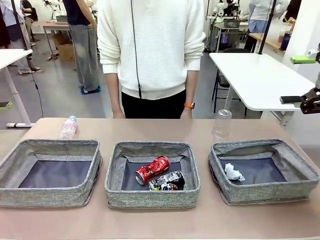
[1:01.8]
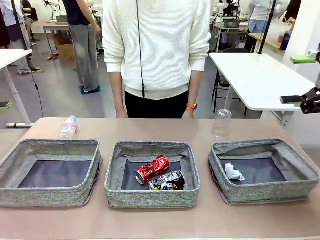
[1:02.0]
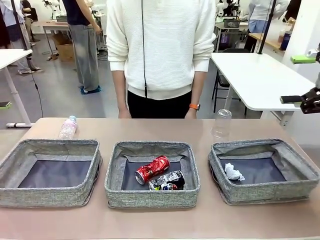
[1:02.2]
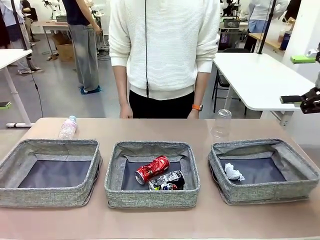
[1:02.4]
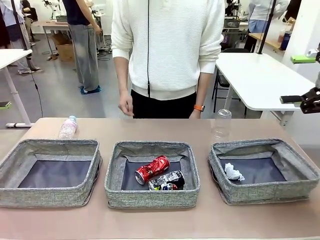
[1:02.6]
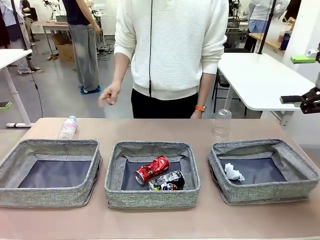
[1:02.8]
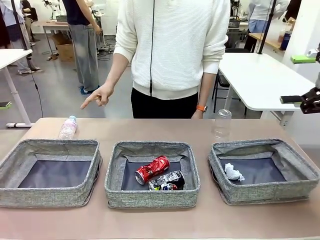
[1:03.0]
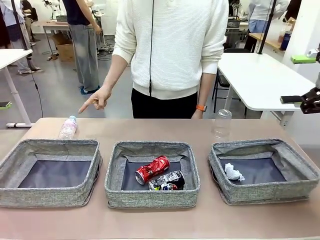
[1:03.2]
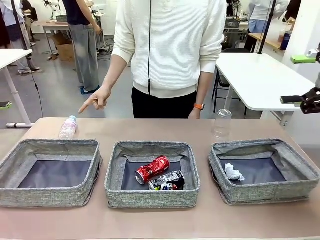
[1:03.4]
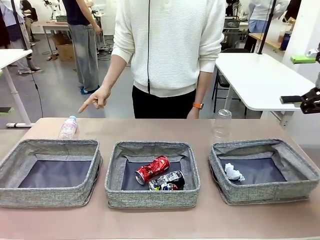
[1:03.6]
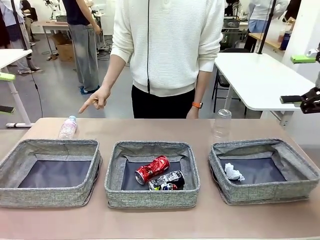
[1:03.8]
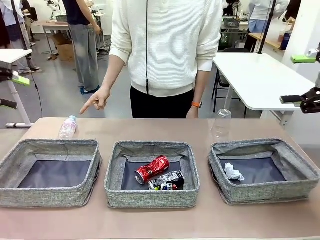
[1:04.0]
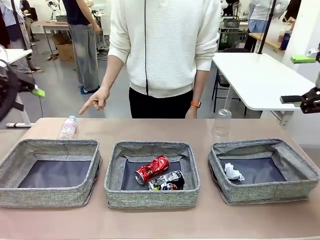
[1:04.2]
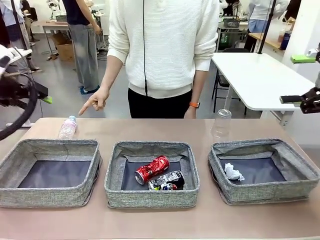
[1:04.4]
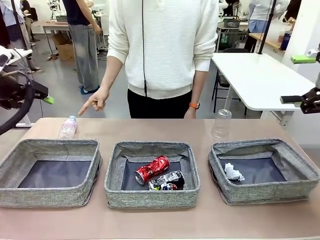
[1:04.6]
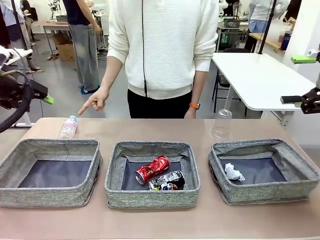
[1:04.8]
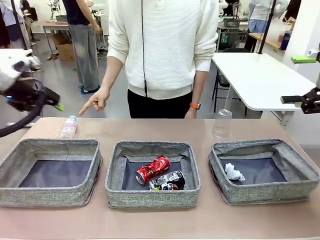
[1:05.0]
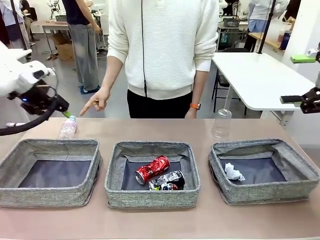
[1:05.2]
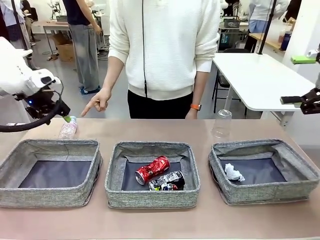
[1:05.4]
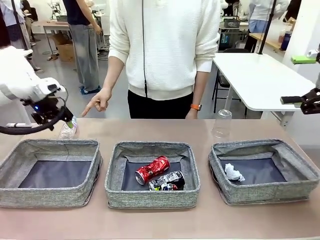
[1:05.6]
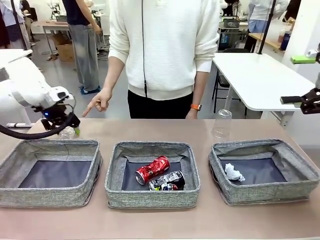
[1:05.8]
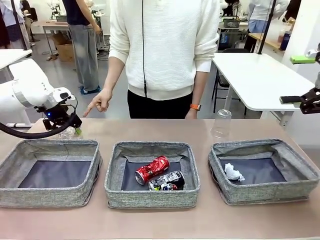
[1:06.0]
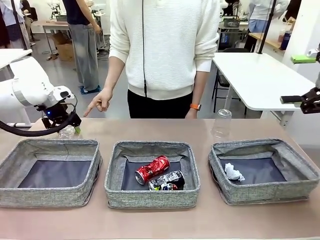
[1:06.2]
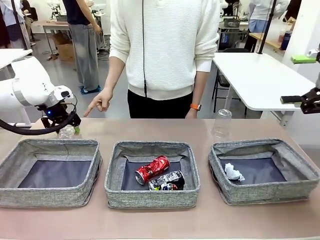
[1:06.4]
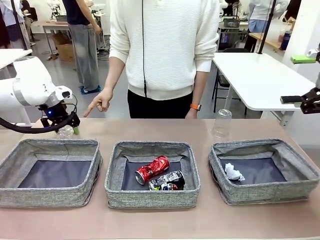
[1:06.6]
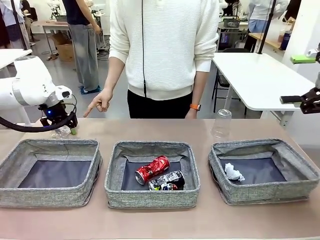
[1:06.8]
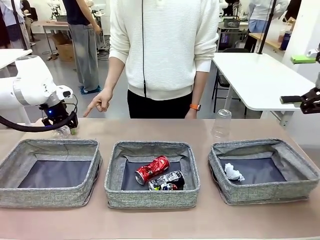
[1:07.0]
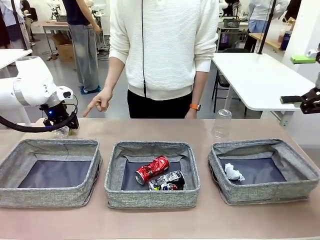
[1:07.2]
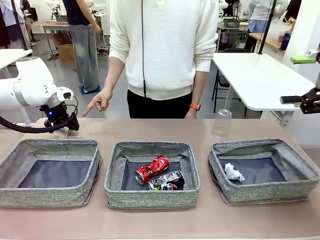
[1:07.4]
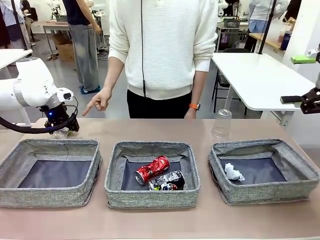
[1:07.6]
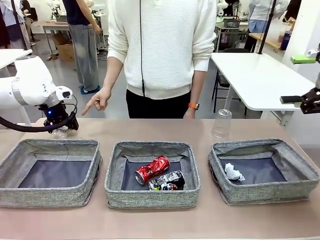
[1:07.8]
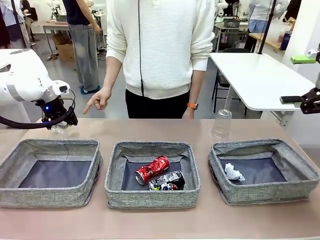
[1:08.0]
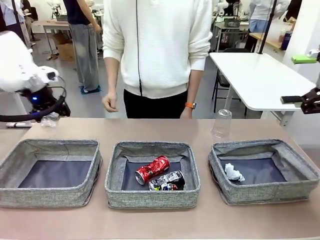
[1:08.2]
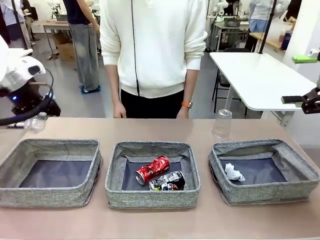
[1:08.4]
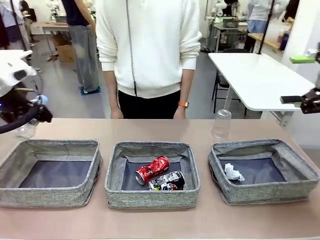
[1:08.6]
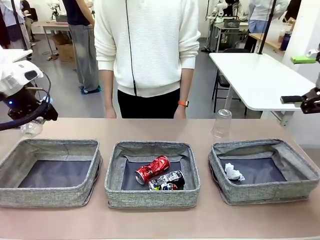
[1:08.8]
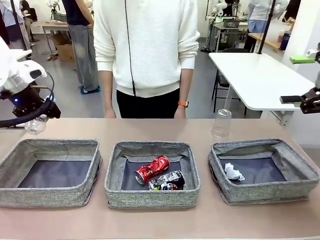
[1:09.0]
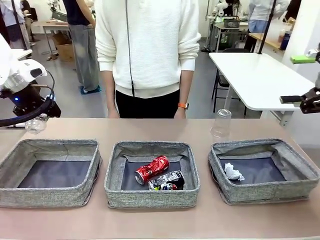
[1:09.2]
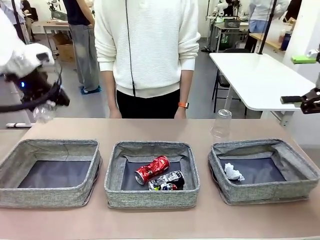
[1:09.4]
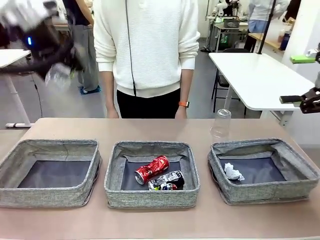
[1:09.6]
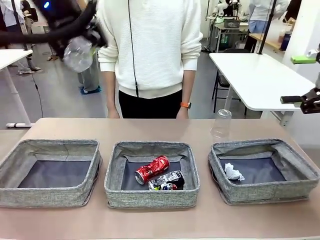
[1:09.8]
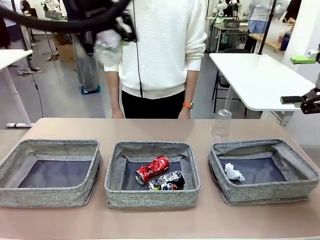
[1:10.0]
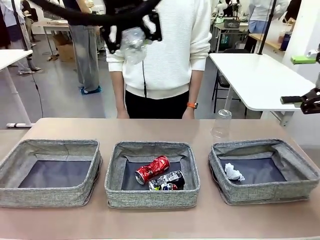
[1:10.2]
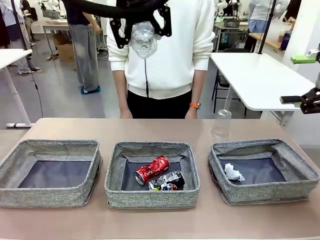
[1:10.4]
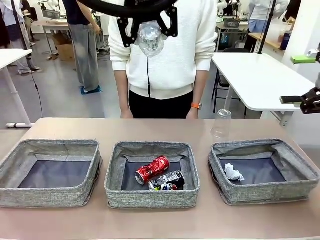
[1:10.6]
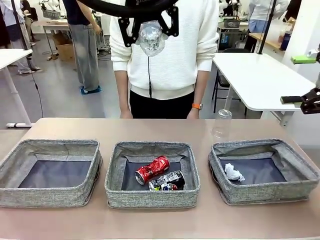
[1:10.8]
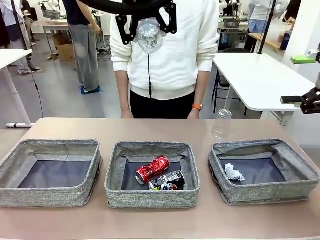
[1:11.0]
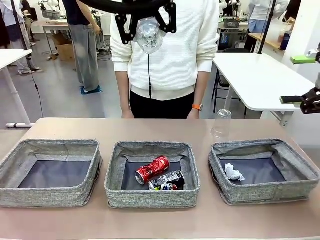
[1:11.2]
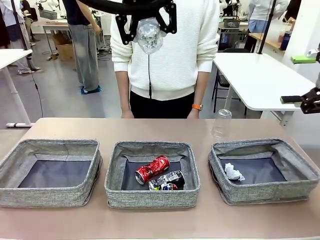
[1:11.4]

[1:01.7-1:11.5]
Task: Sort the waste into the appropriate baskets.
Robot: Pick up the waste item pointed out by the person.
Person: Points to one piece of trash on the table.

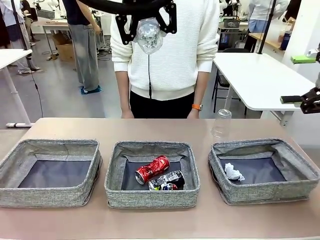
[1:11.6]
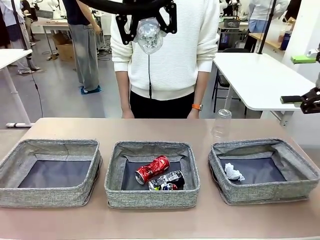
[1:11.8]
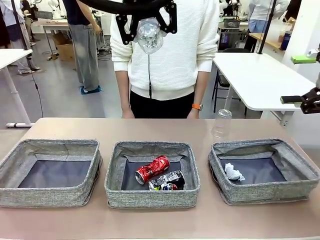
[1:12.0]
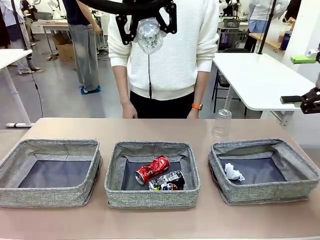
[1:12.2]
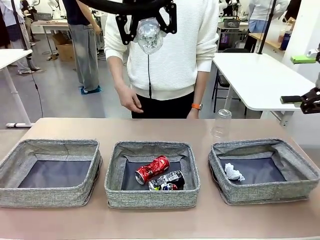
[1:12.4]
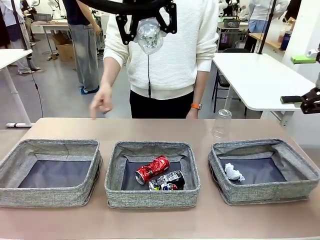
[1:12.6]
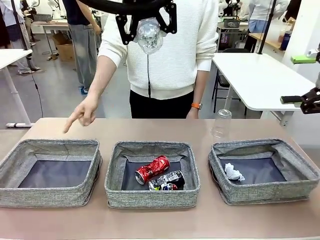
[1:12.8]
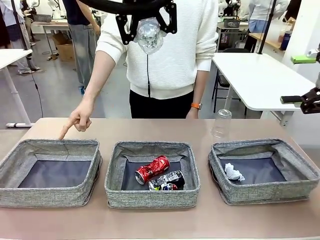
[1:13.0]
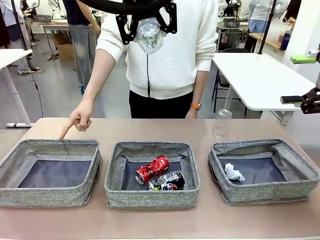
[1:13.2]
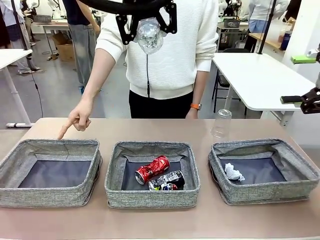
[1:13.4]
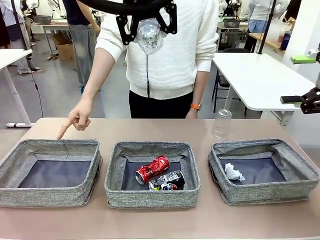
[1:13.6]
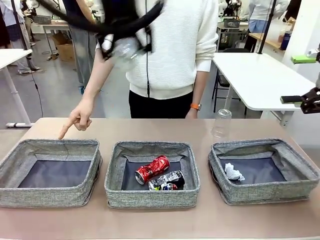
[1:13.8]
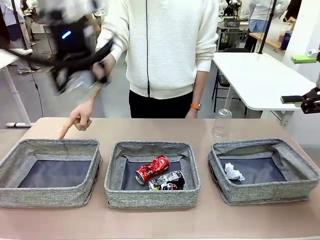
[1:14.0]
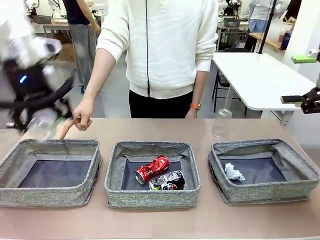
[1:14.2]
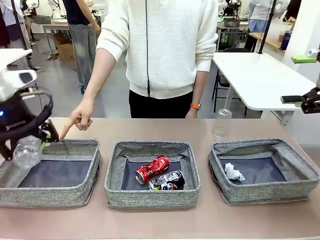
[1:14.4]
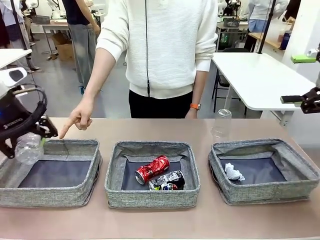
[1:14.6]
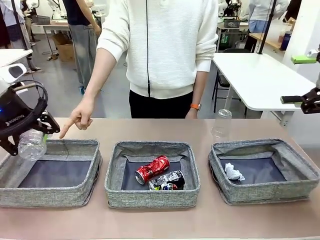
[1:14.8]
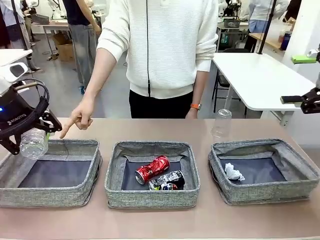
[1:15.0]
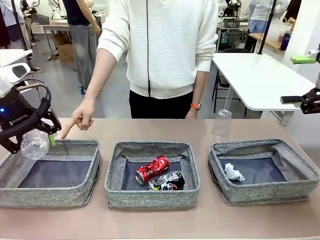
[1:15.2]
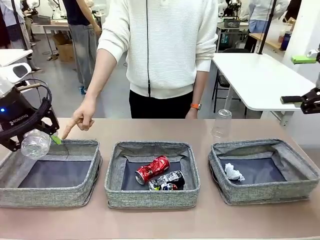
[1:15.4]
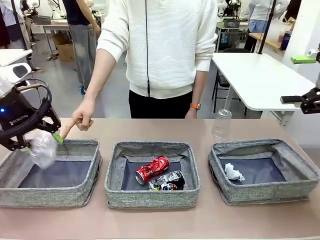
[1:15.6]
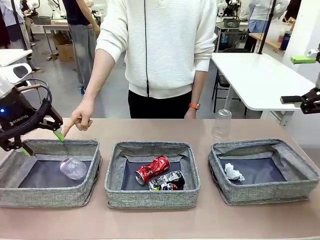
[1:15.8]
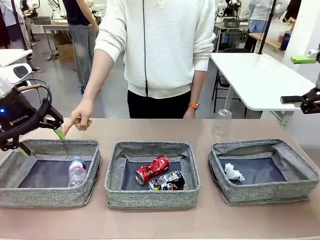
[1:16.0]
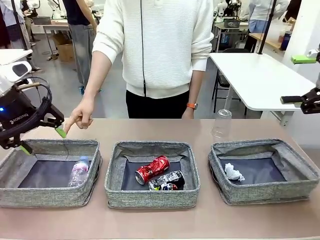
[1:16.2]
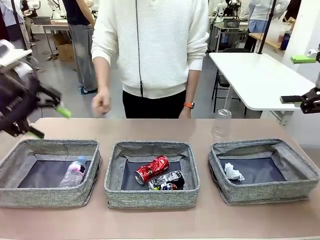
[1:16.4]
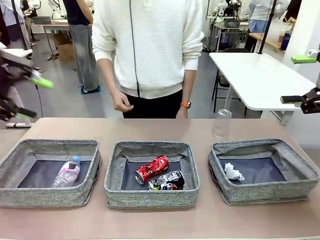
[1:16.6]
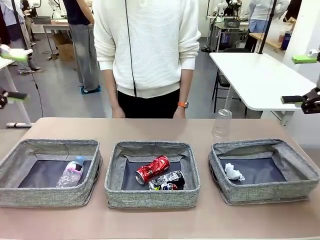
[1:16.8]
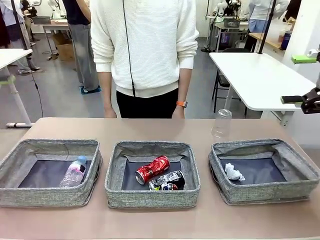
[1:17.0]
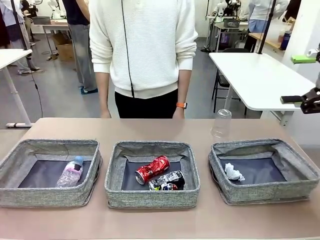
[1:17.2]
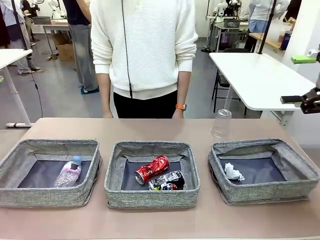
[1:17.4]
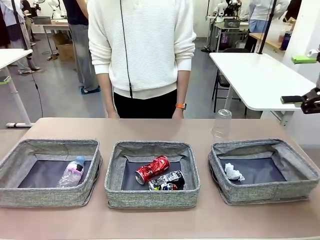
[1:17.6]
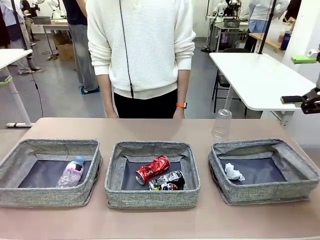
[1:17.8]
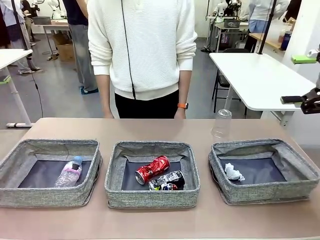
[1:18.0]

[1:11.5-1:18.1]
Robot: Place the picked waste into the Fabric basket indicated by the person.
Person: Instructs the robot to place the picked-up trash into the appropriate organizing basket.
